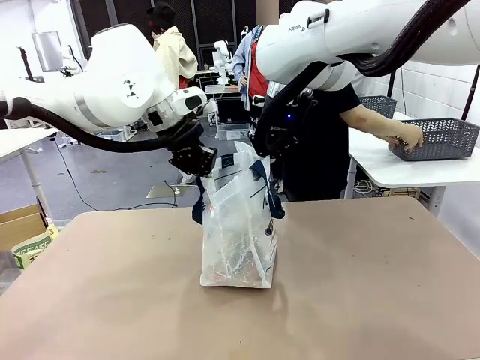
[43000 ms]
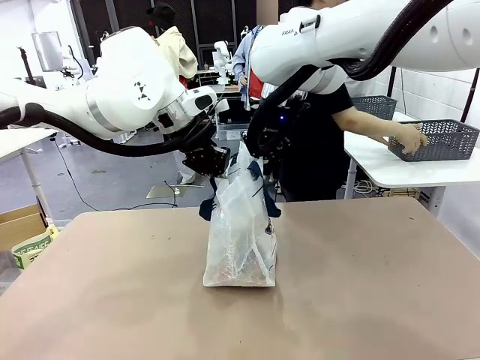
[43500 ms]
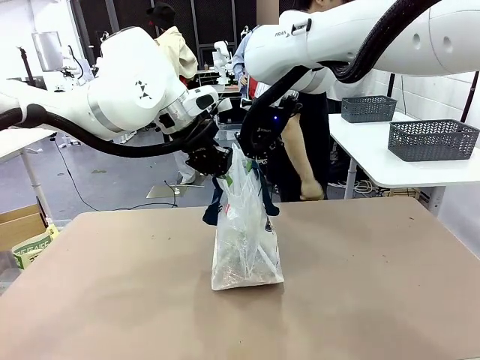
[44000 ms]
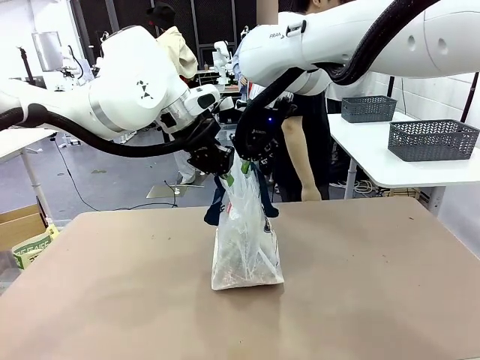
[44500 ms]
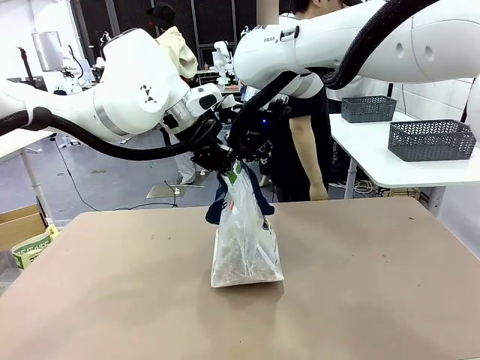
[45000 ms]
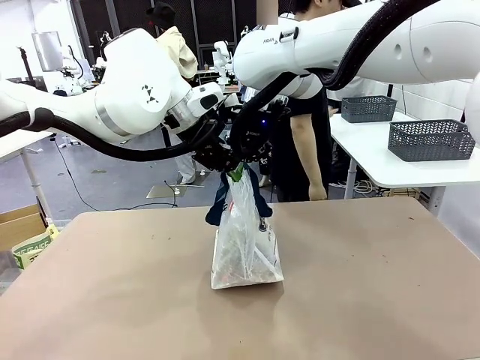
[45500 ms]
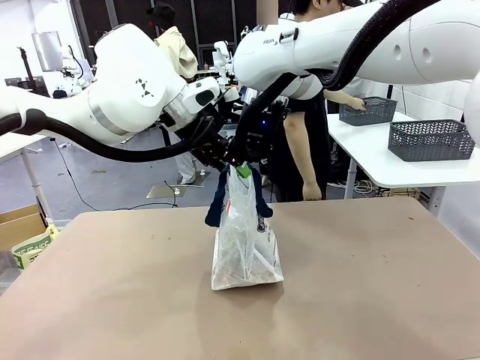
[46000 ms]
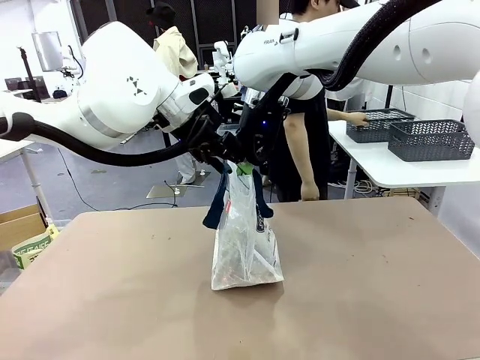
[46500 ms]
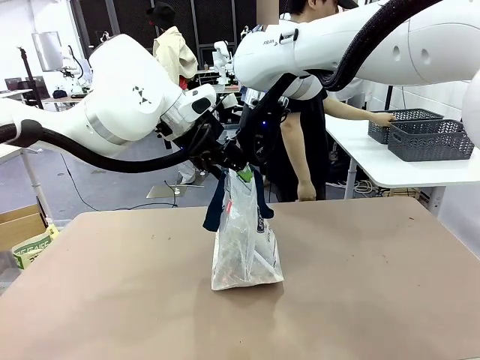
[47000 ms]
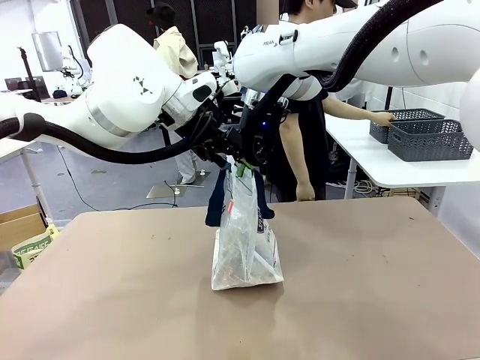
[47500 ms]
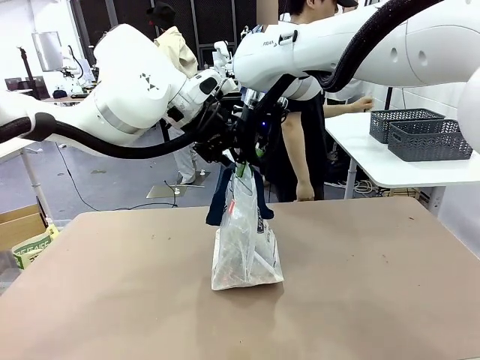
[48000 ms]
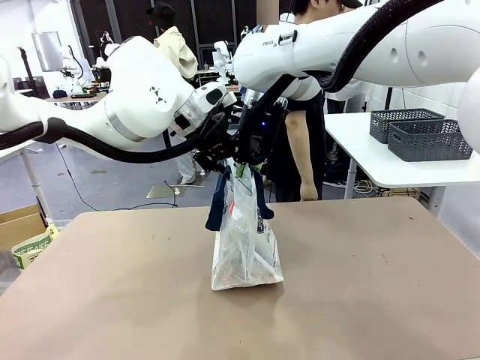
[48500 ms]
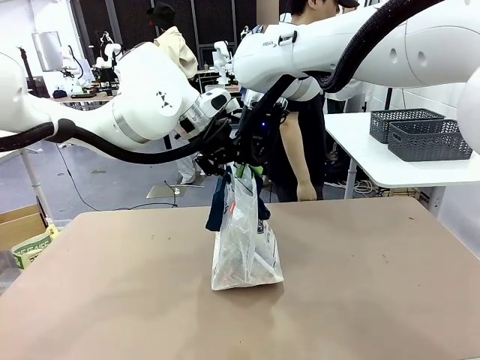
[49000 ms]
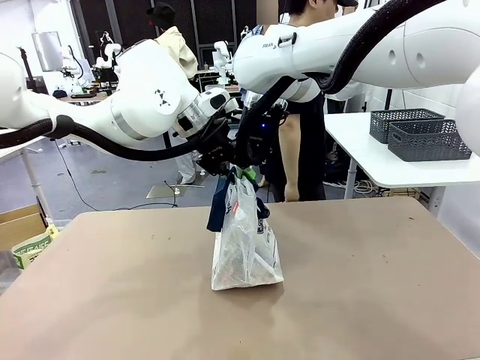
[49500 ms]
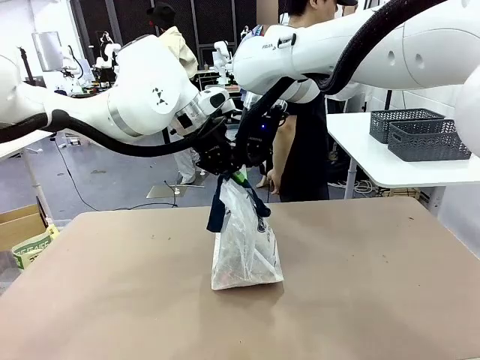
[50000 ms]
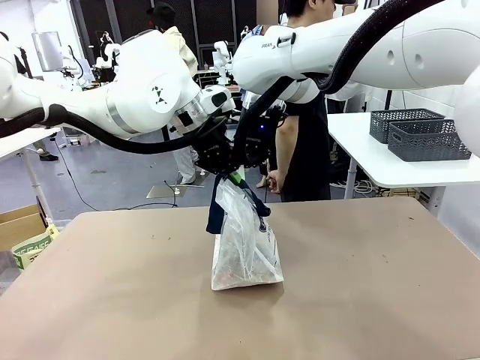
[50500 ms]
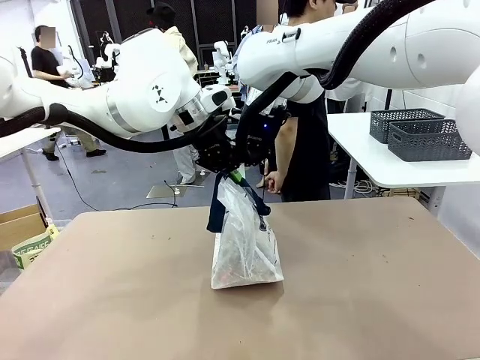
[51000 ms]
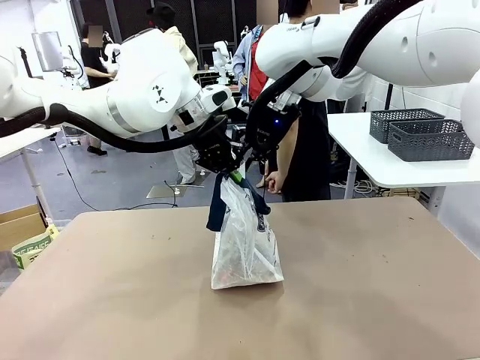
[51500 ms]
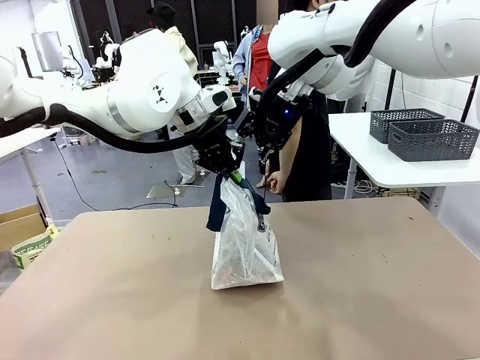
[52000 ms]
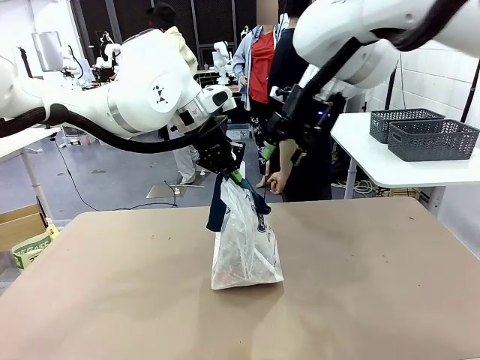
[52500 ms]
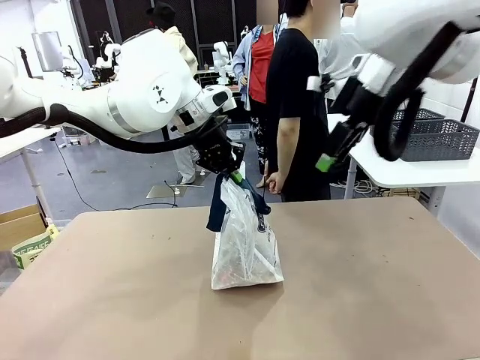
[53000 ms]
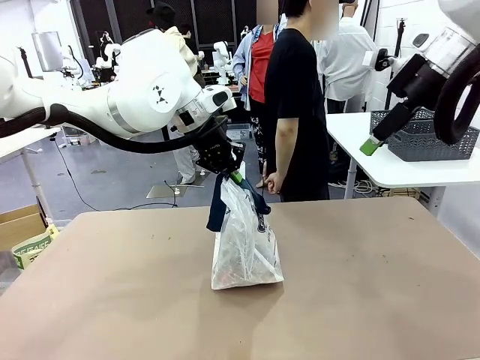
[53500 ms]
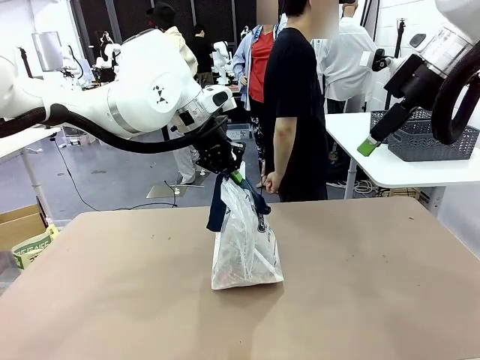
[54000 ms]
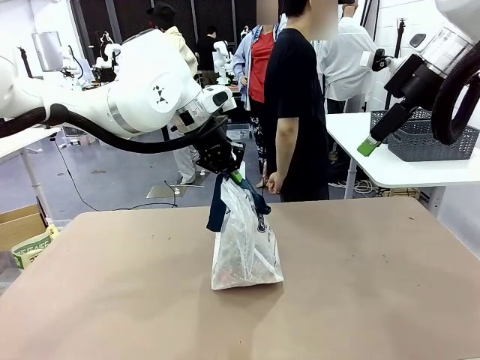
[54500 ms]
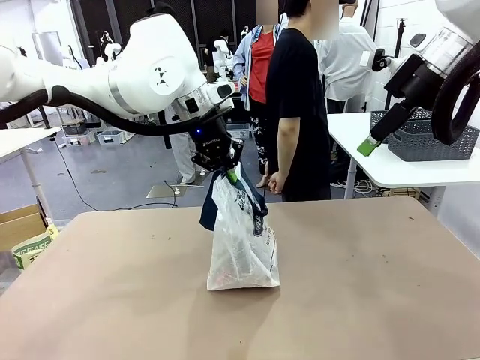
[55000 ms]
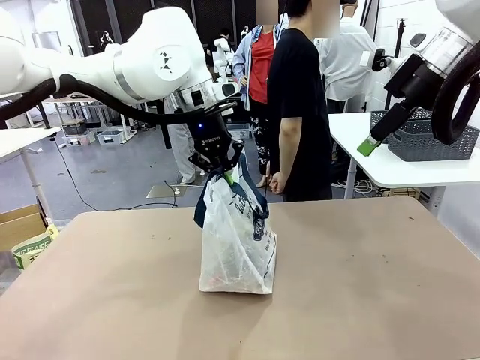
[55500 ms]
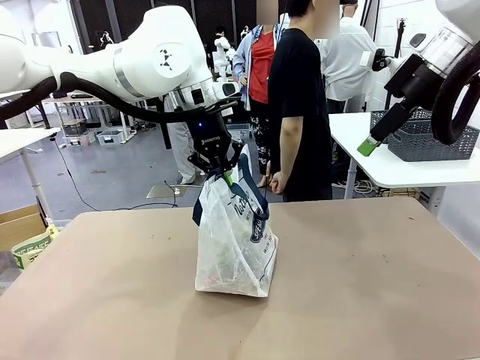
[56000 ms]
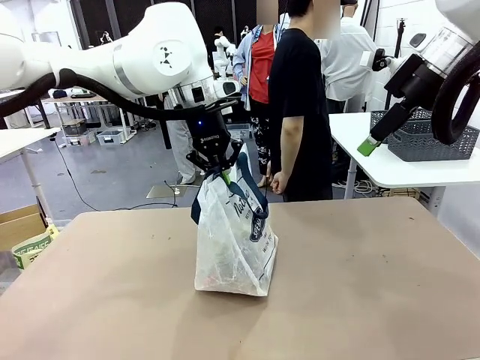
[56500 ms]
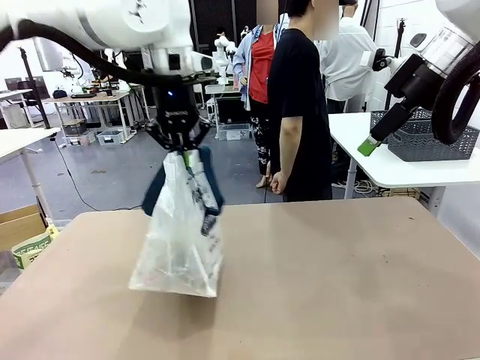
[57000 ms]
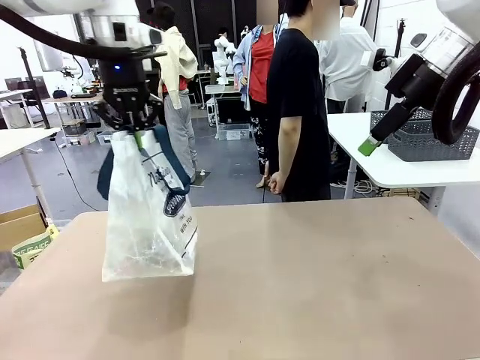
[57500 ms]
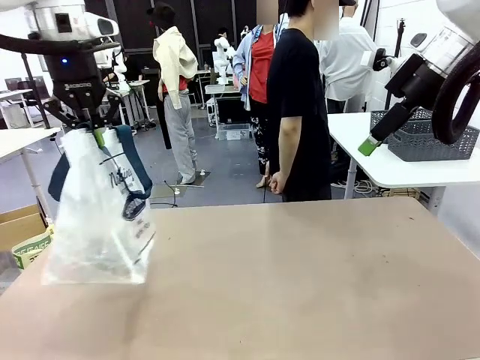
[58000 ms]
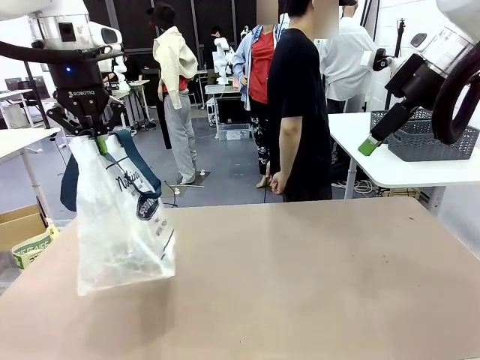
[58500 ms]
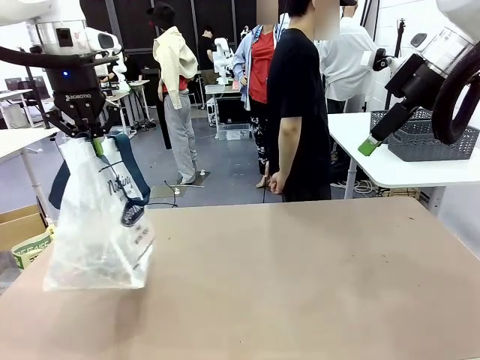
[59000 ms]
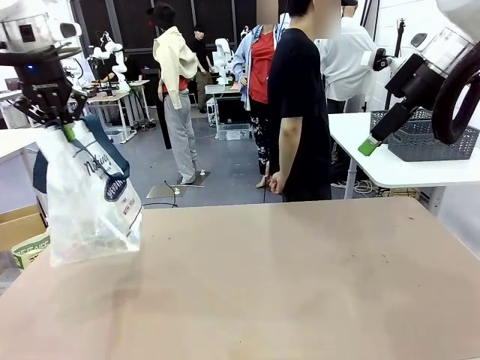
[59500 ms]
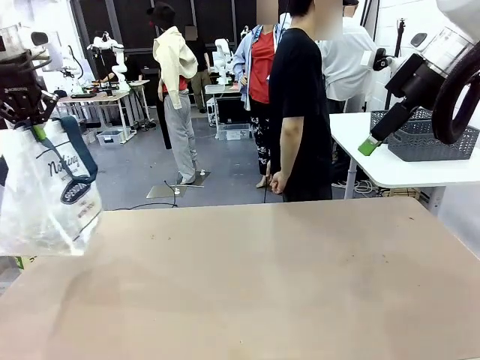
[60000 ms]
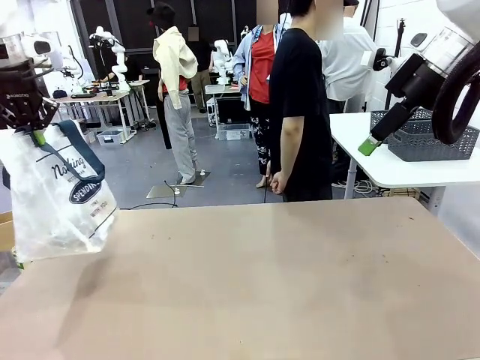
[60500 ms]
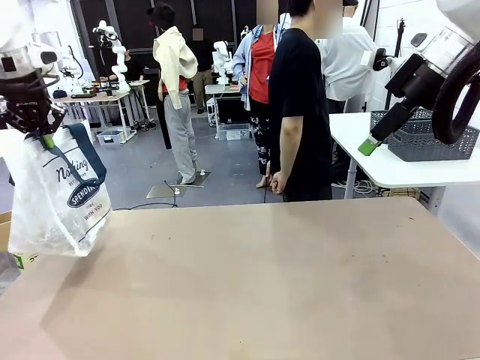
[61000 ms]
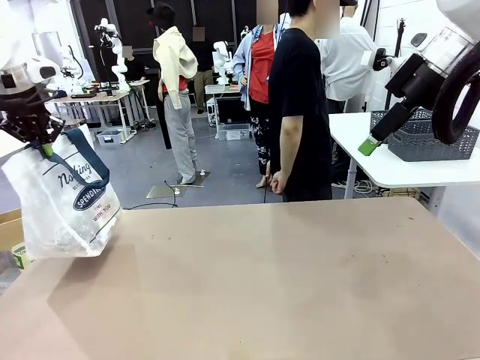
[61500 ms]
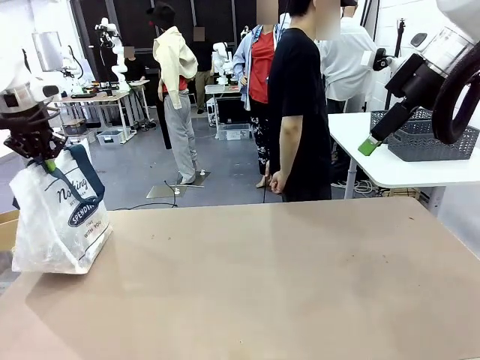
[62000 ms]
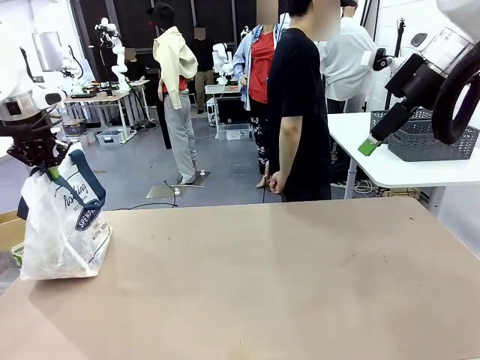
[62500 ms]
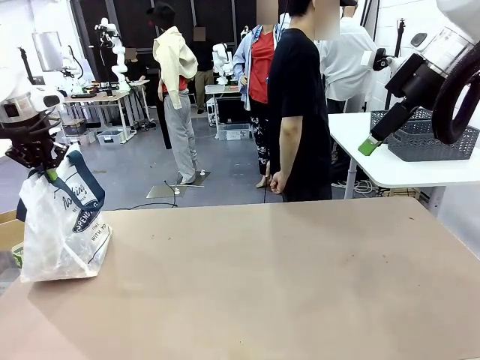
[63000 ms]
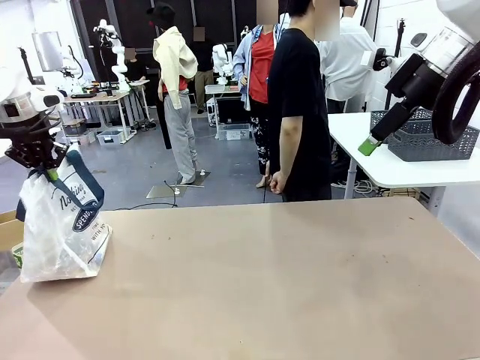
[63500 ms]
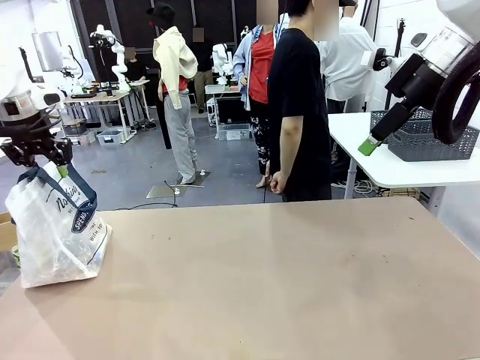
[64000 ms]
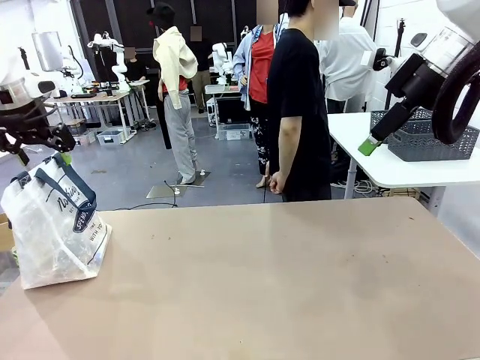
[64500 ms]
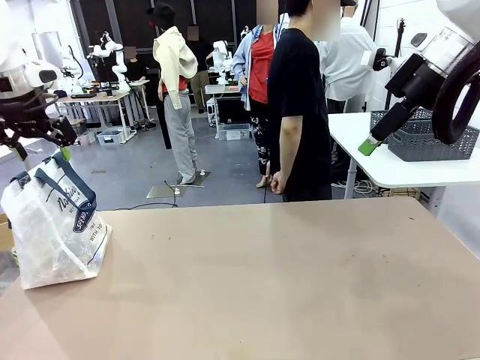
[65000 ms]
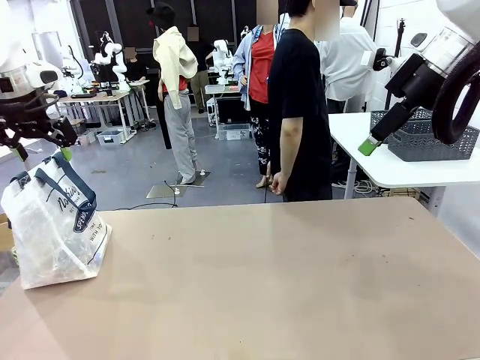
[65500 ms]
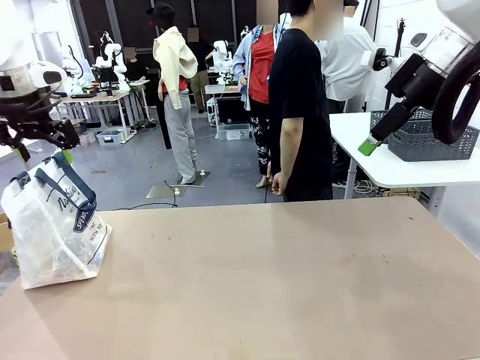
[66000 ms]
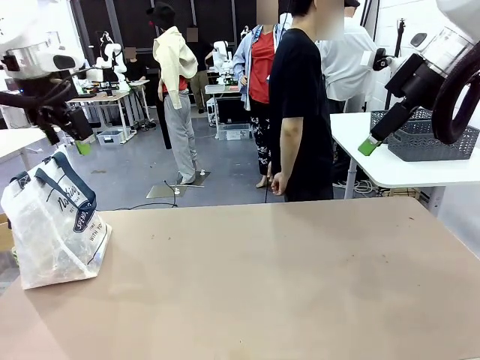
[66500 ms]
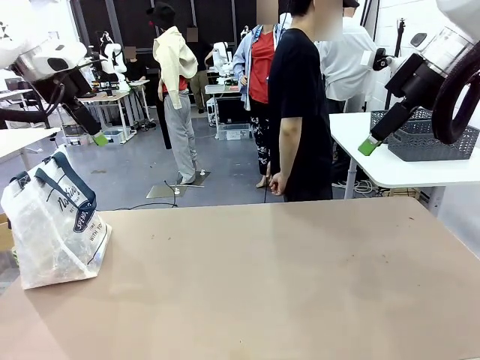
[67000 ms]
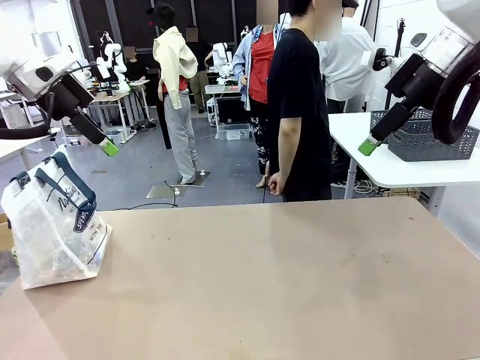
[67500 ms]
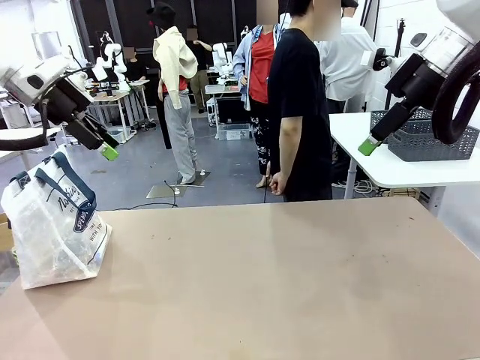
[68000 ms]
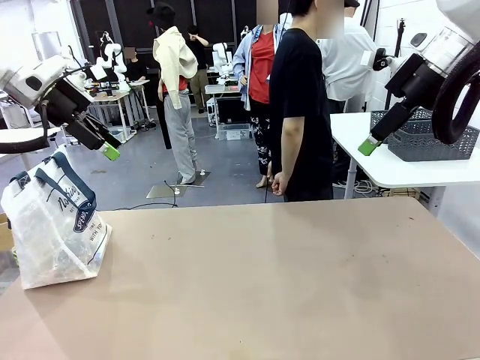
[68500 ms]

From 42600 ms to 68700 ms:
Task: Transfer purchased items from the store into the shopping bag.
Robot: Move the Reusable shopping bag to the right side of the table.
Person: Move the basket on the left to the middle of the person's table.
